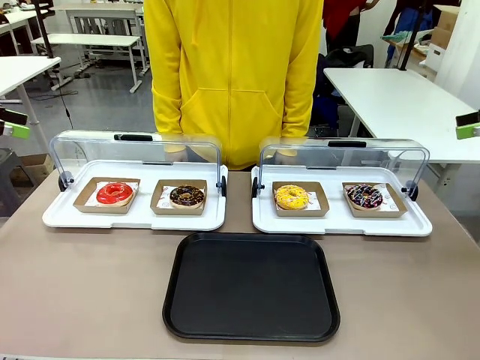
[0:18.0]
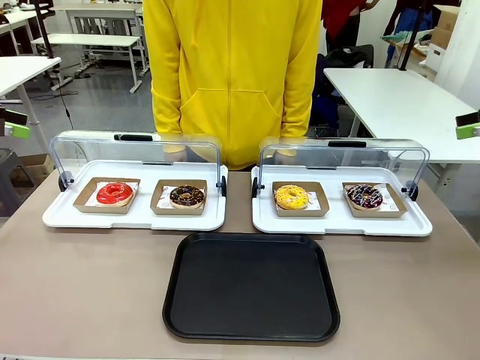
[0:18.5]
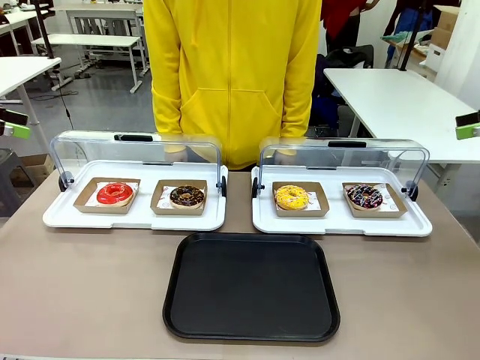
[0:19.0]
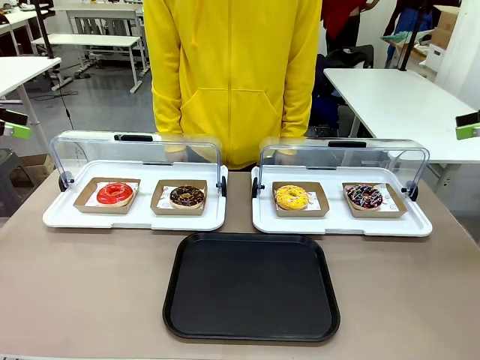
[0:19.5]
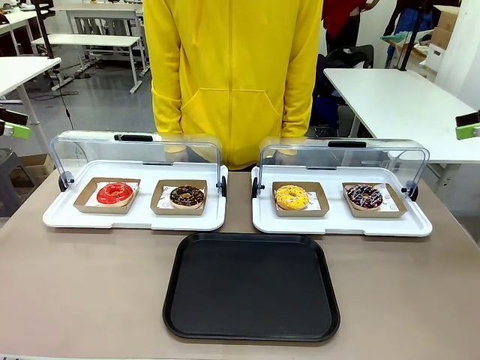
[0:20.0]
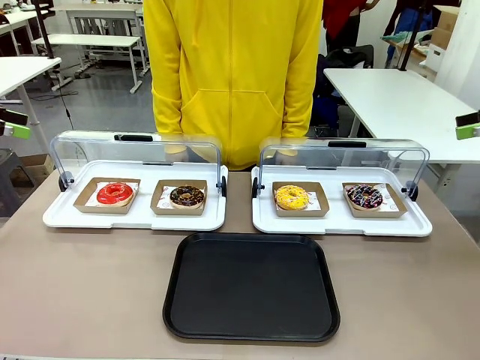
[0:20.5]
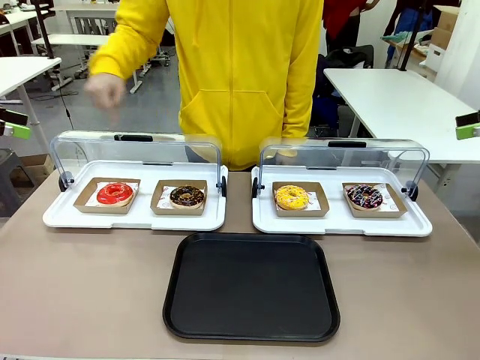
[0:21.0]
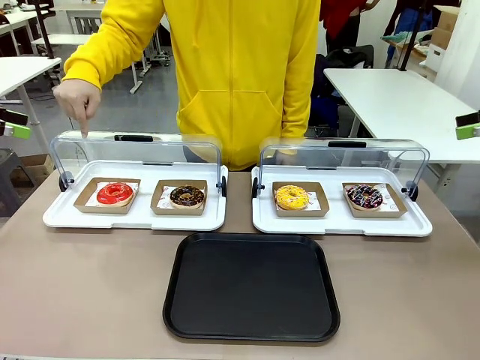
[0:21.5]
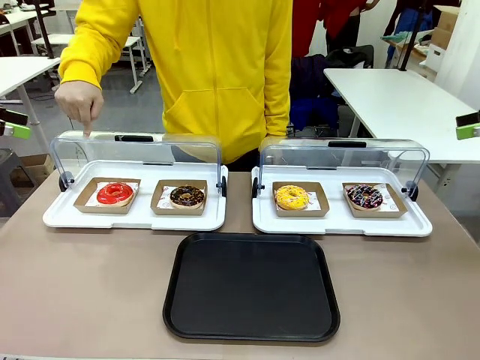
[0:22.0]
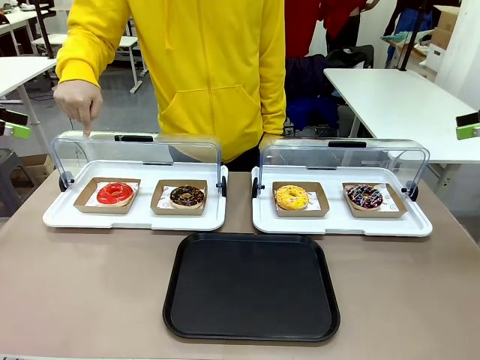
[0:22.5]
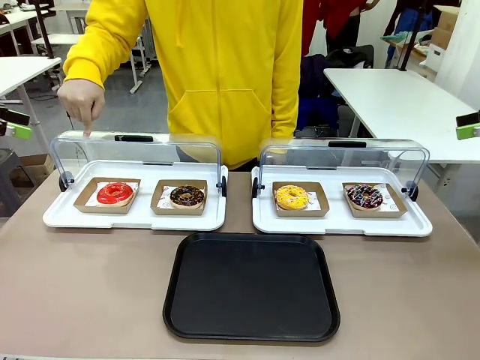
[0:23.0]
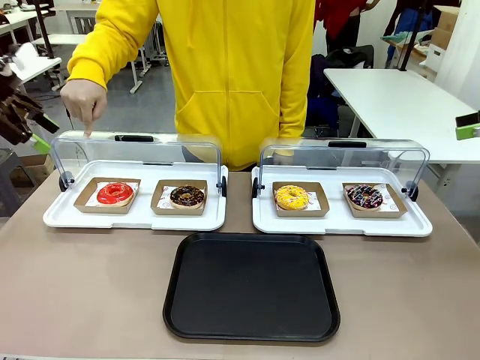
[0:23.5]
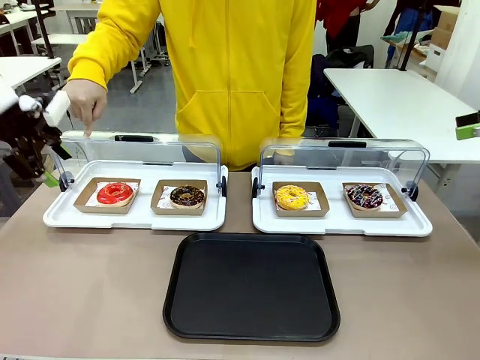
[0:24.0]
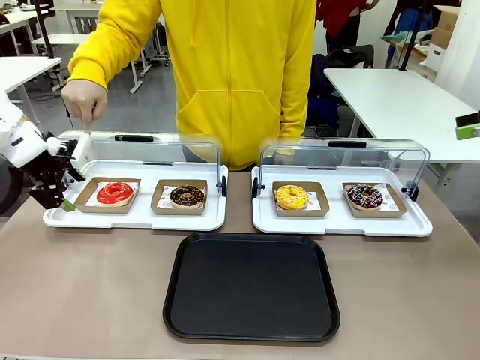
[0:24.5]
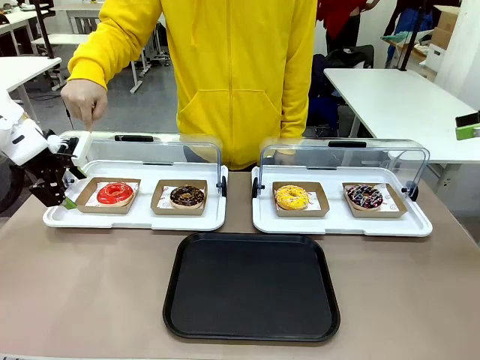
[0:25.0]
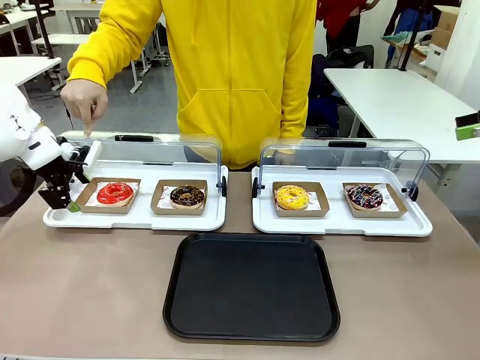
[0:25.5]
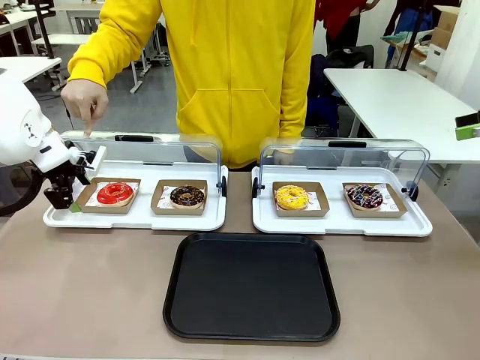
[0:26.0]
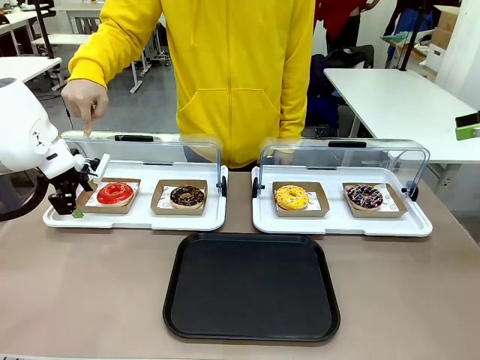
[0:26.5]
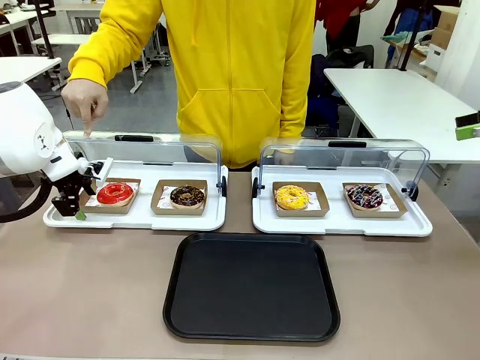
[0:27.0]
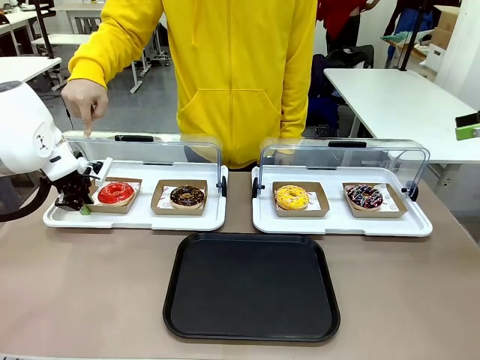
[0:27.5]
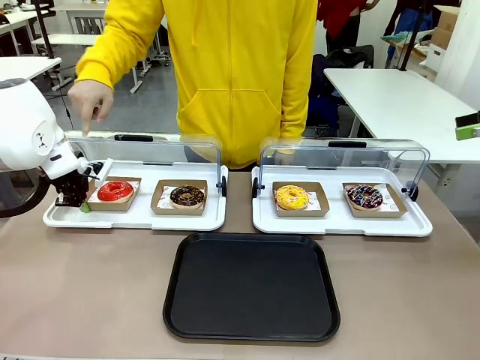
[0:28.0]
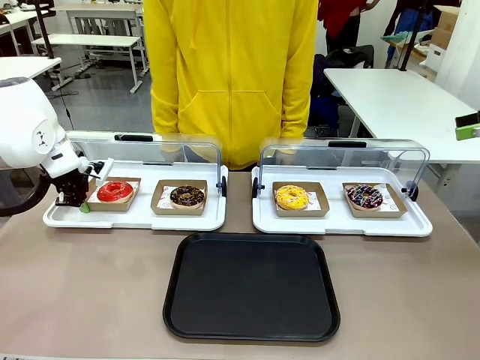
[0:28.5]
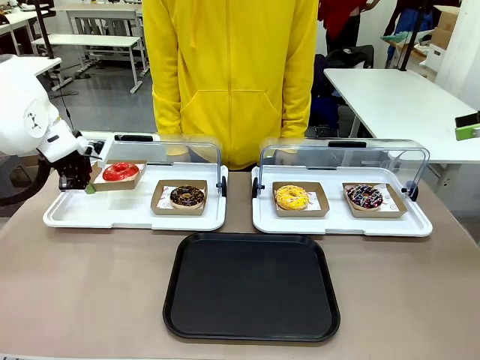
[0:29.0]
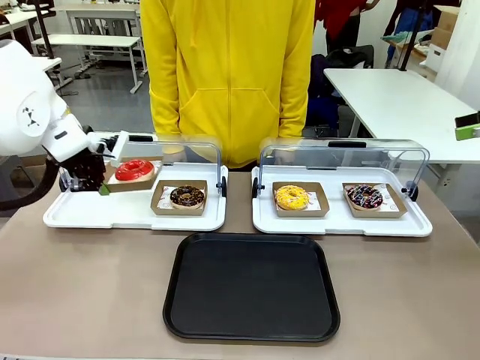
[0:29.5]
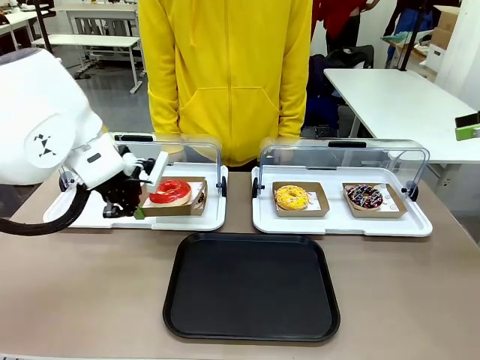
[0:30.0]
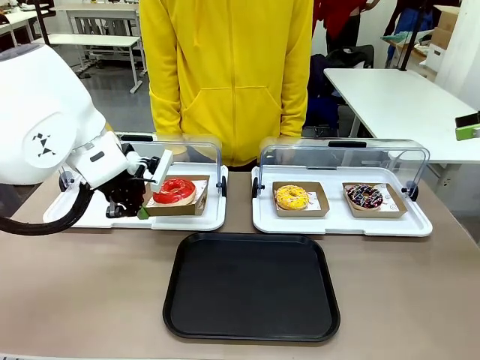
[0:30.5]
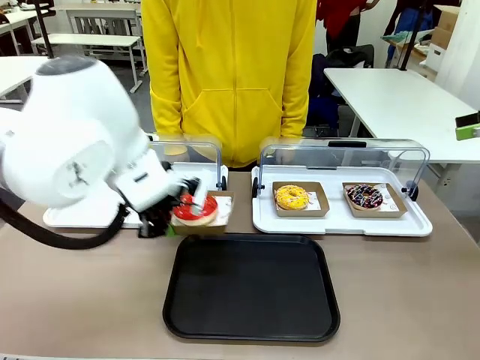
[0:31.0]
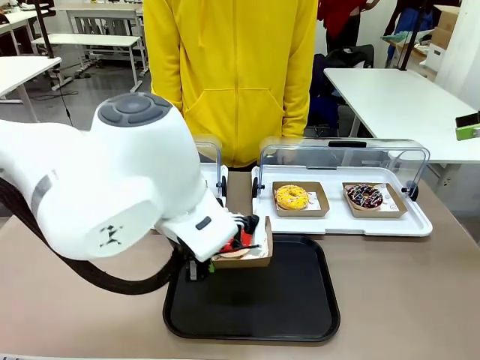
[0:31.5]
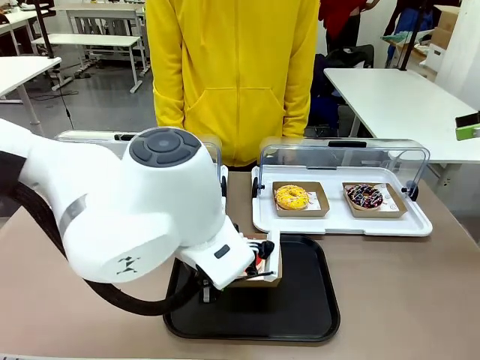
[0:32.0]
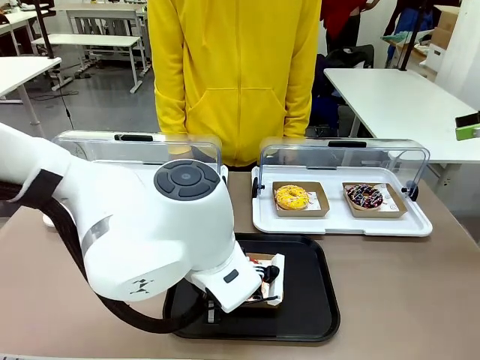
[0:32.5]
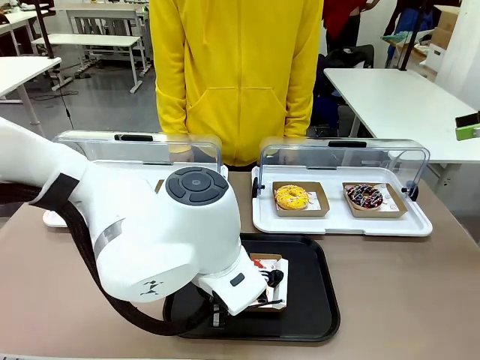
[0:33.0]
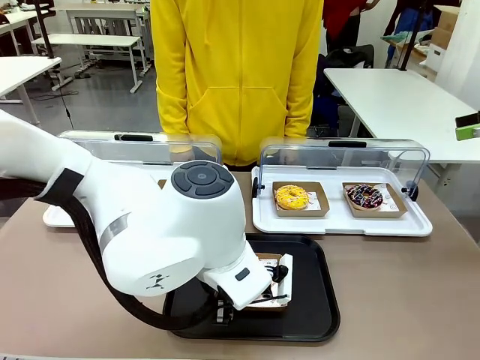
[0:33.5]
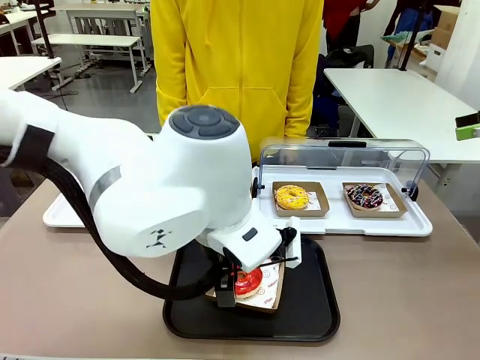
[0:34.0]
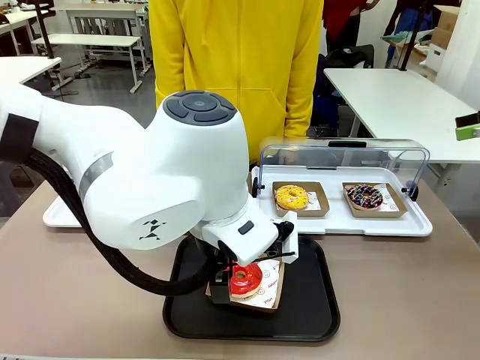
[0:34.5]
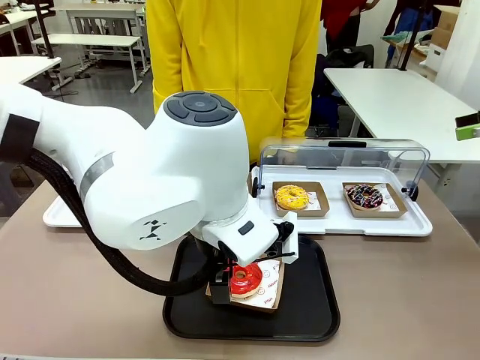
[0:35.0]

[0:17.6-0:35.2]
Task: Move the first donut from the left to the tray.
Robot: Pick up the Paper togo box containing the Donut indicated by the person and place it on the Handle tray.
